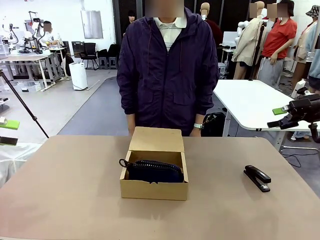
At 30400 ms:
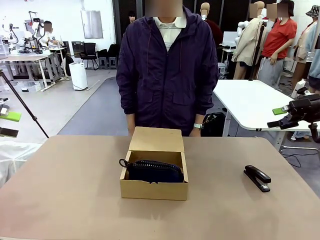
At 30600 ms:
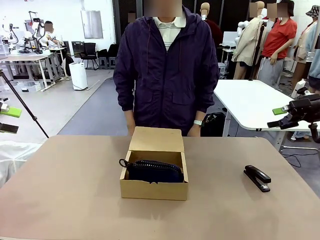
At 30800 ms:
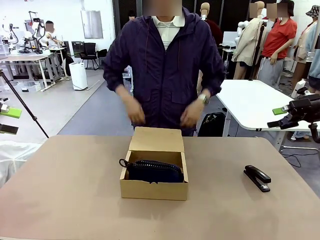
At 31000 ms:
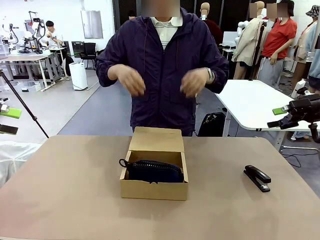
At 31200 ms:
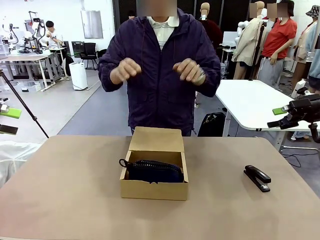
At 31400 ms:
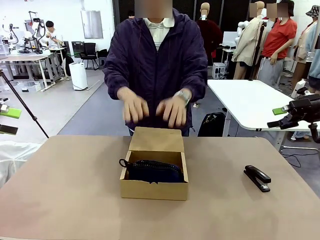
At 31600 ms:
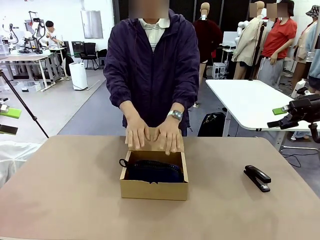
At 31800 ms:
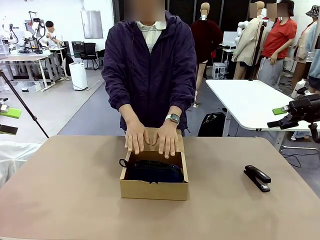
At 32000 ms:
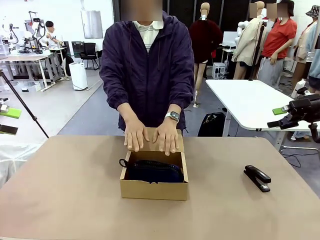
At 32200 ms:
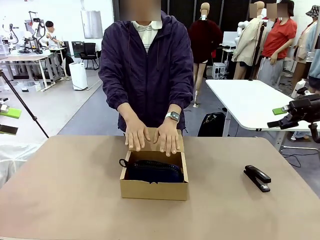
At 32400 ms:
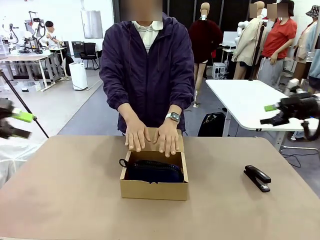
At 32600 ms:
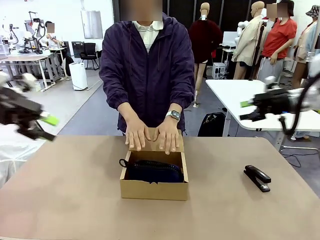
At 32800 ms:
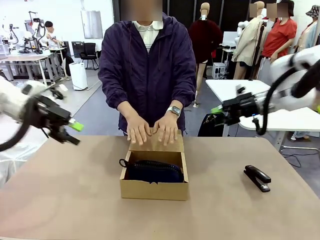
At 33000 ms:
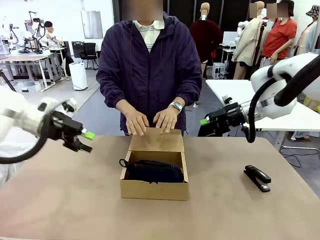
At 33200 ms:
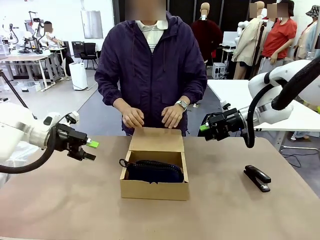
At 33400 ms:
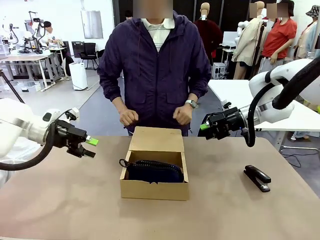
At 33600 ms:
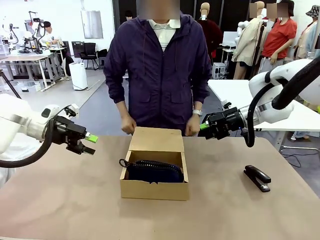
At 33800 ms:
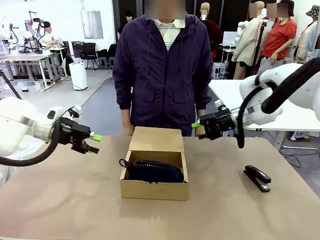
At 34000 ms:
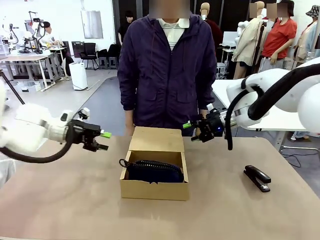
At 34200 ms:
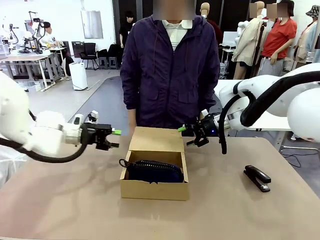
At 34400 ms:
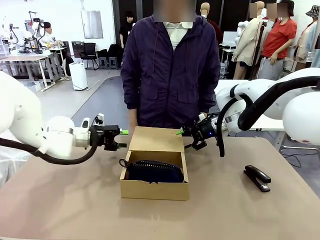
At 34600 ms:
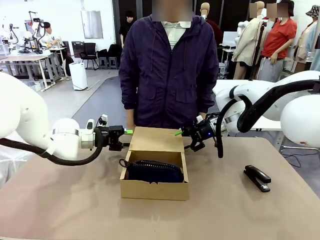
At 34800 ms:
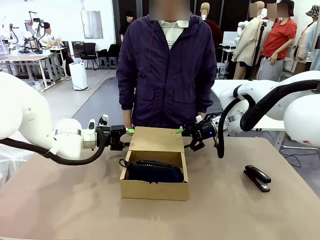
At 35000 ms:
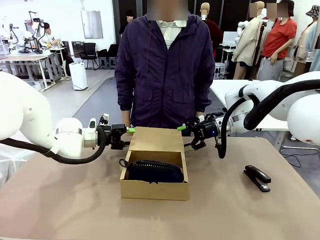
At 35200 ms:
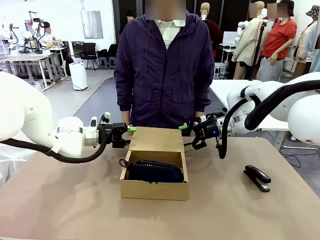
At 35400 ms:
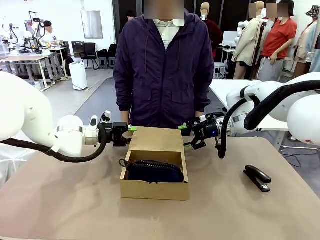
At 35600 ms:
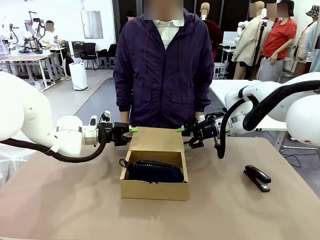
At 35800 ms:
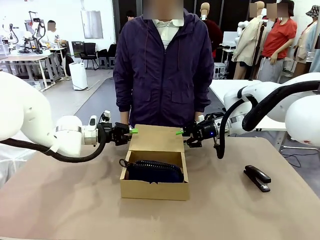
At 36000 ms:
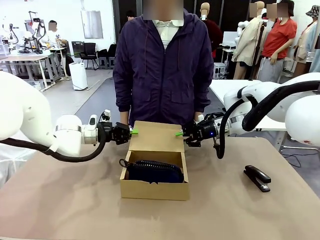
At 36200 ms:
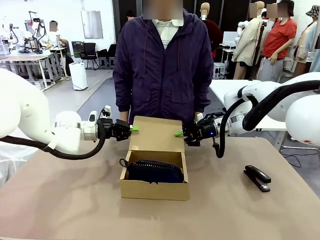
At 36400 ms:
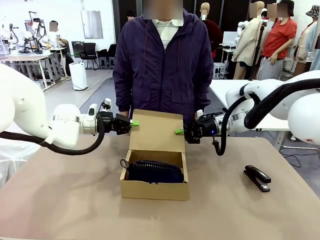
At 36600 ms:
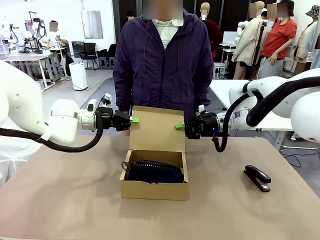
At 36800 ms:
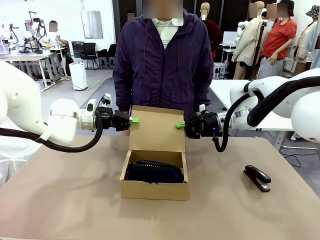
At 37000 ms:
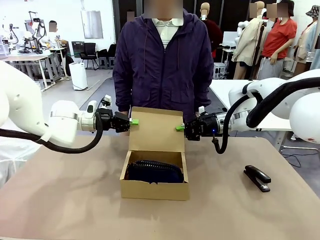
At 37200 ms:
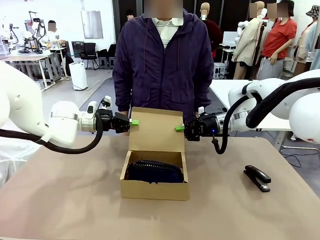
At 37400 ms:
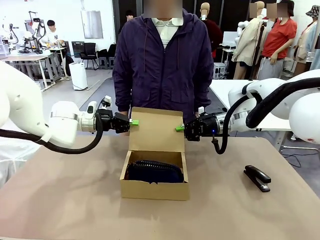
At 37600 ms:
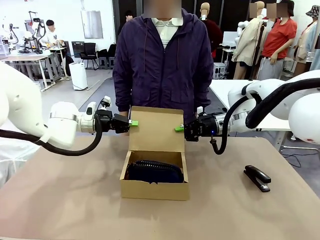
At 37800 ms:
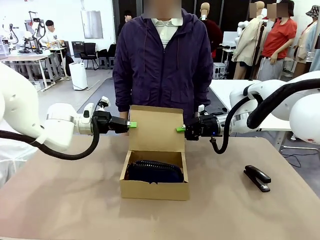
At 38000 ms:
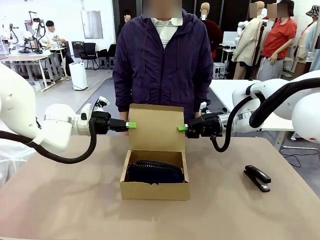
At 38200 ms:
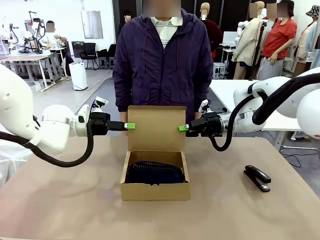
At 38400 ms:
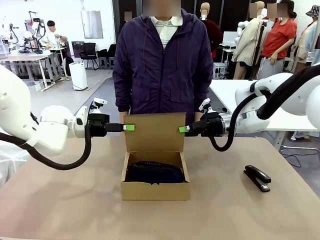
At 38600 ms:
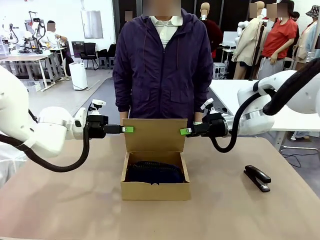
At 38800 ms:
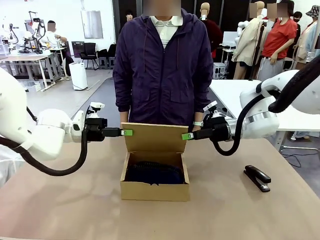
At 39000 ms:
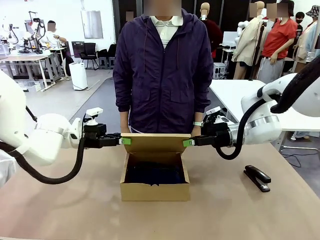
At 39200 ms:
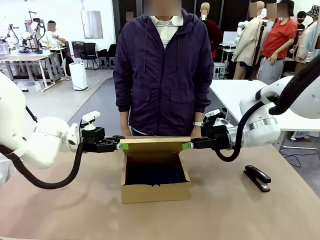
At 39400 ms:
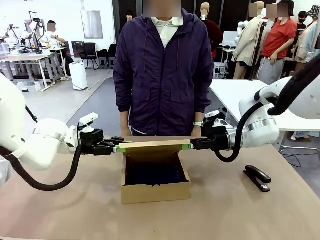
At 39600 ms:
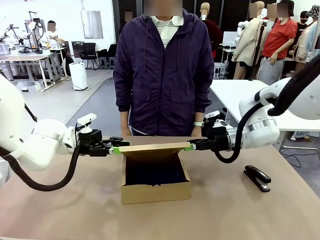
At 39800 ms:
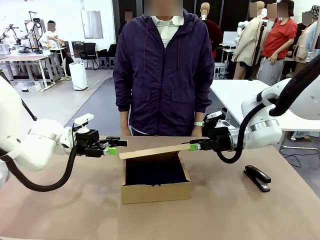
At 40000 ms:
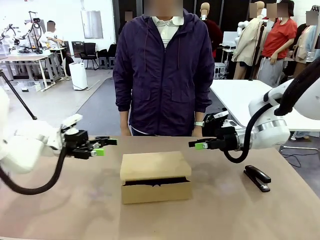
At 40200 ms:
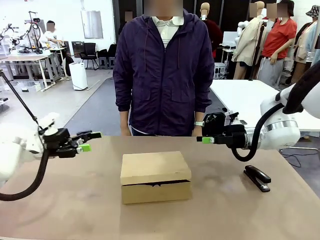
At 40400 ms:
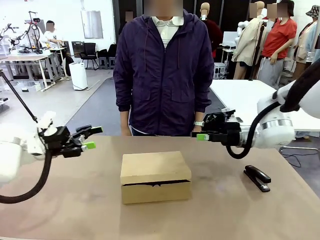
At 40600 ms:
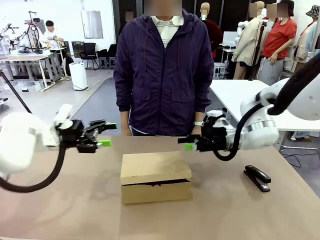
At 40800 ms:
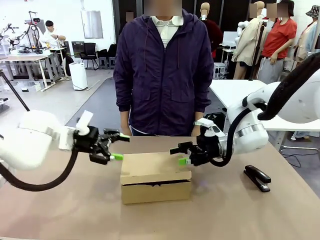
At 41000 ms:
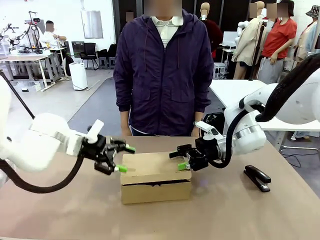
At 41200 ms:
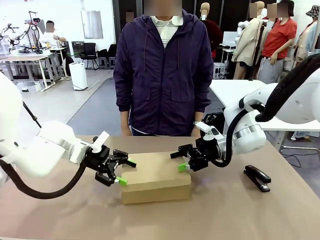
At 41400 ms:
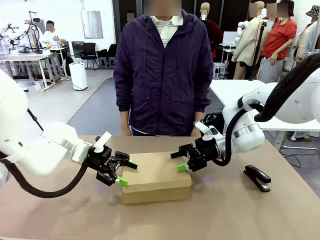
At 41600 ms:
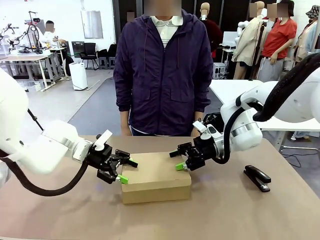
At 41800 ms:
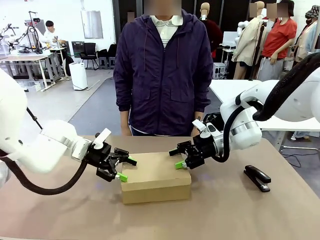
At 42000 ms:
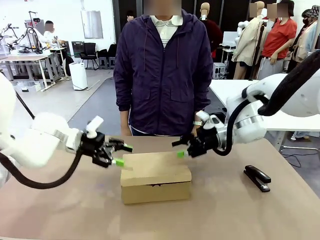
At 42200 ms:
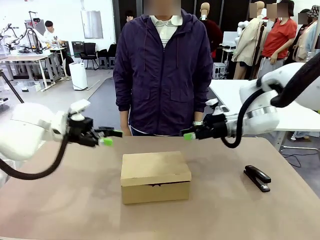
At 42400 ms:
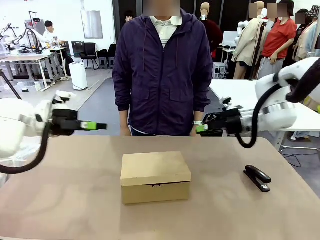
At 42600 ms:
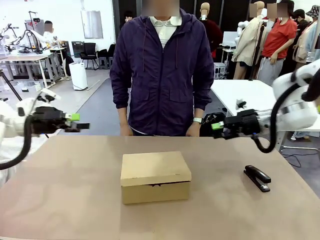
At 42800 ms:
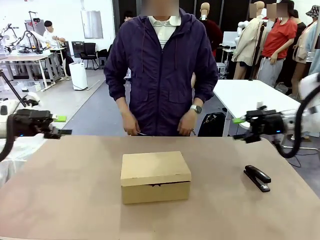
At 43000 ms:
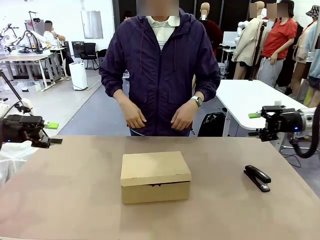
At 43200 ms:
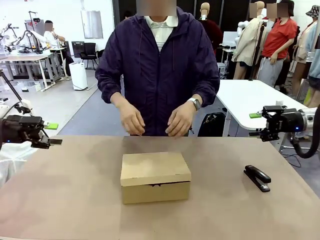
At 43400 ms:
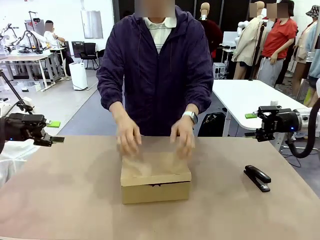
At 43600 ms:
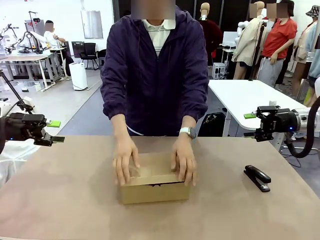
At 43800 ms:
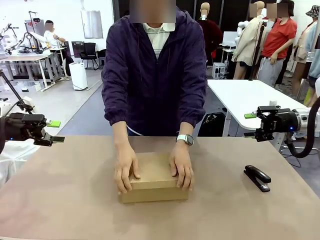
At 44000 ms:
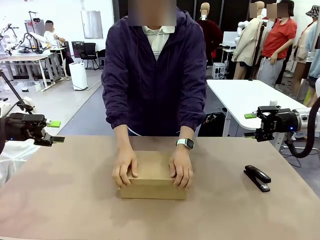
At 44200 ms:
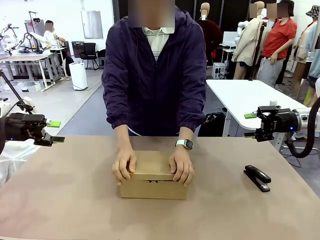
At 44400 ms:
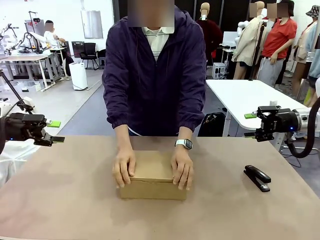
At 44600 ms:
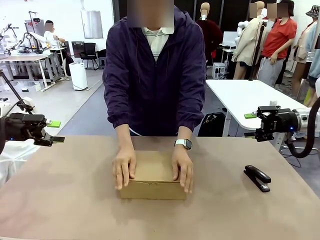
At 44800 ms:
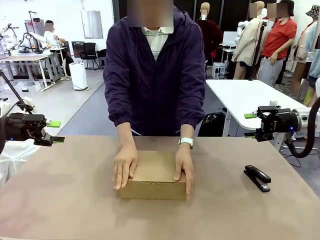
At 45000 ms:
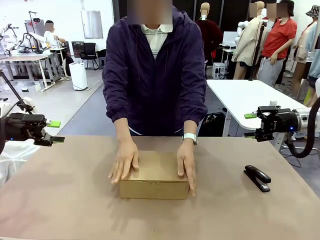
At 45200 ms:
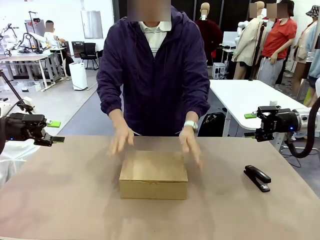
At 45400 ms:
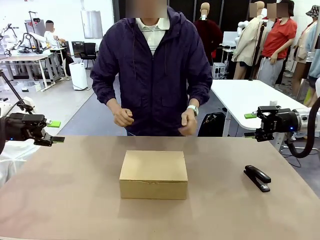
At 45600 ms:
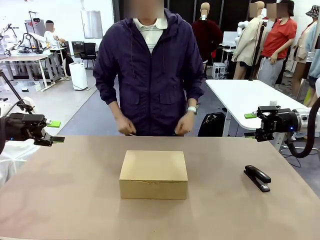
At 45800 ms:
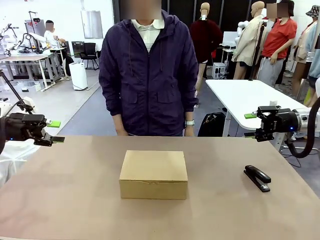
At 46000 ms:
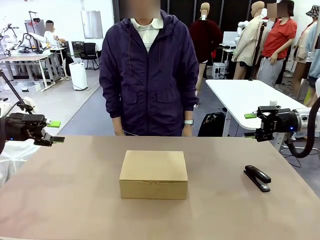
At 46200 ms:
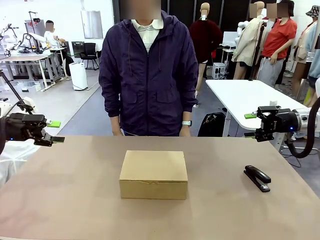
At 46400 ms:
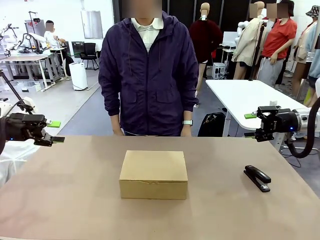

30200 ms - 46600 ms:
Task: Pack the items into the box.
Robot: Close the Mailer Box.
Person: Turn the box and lock it.
